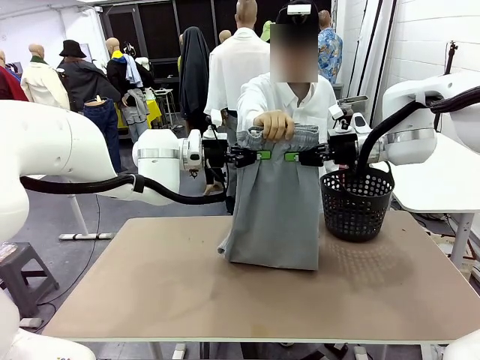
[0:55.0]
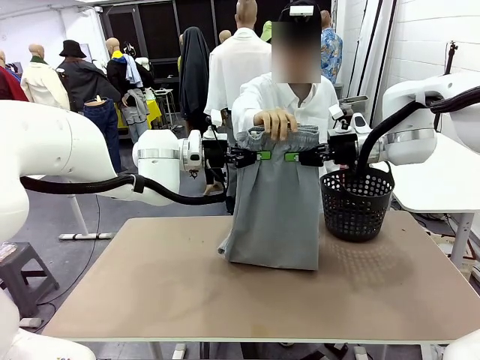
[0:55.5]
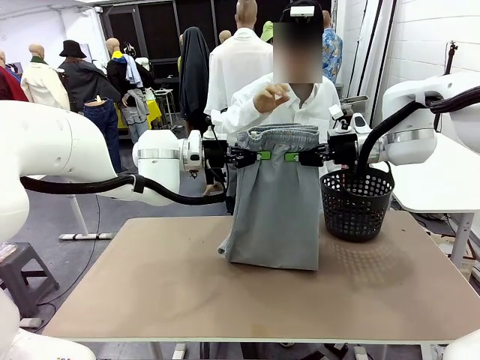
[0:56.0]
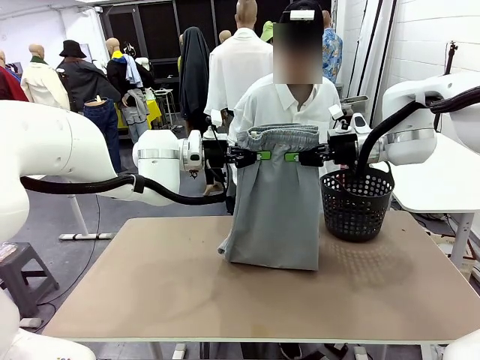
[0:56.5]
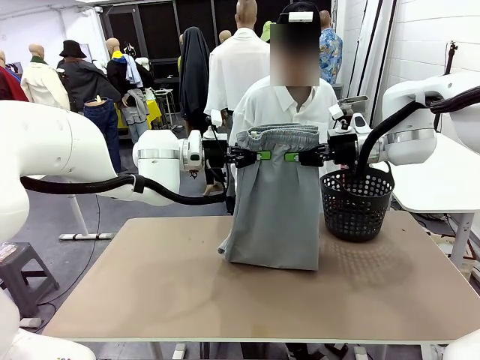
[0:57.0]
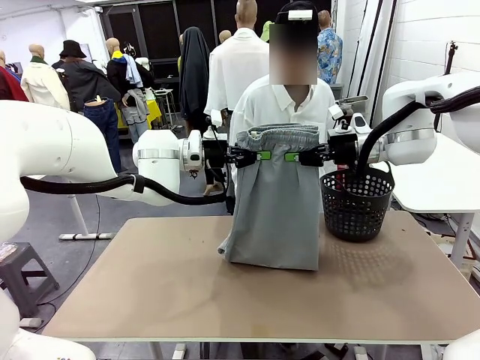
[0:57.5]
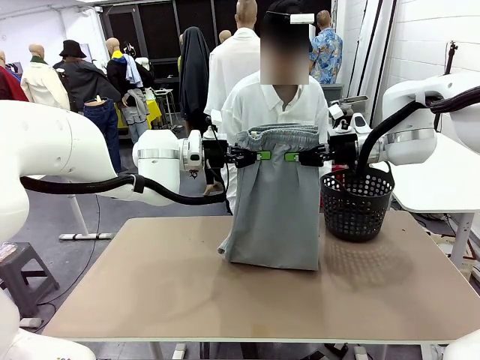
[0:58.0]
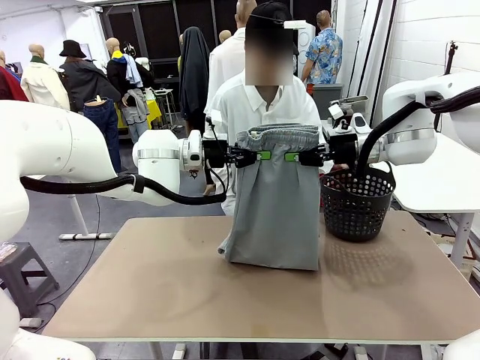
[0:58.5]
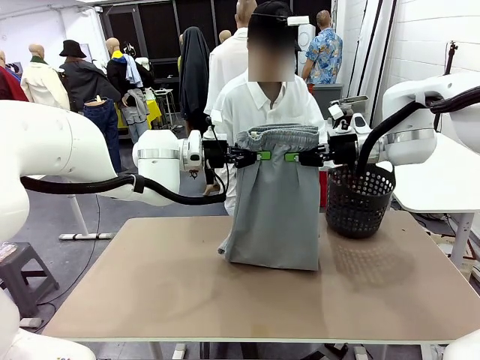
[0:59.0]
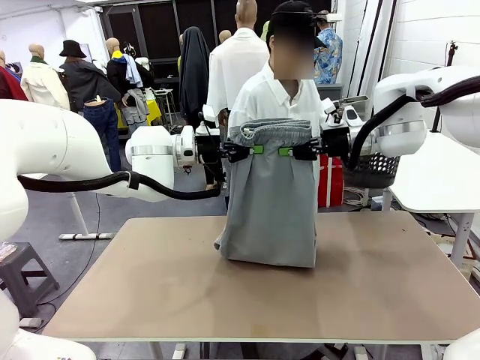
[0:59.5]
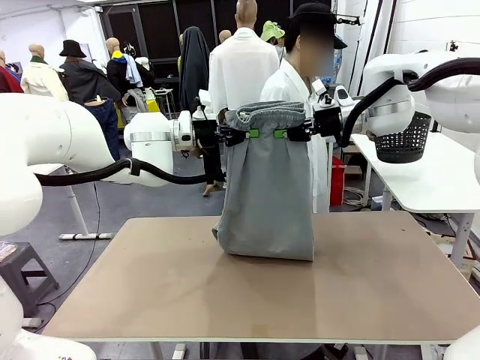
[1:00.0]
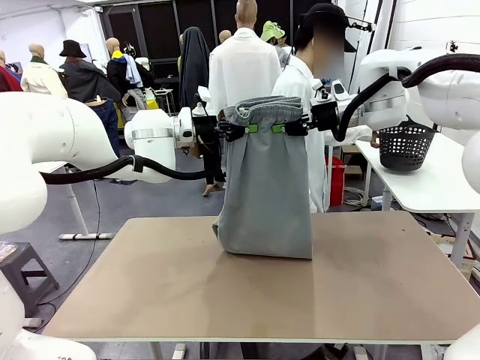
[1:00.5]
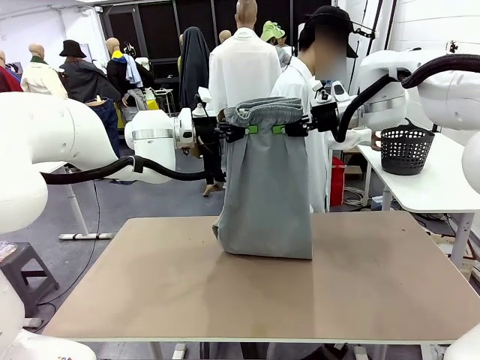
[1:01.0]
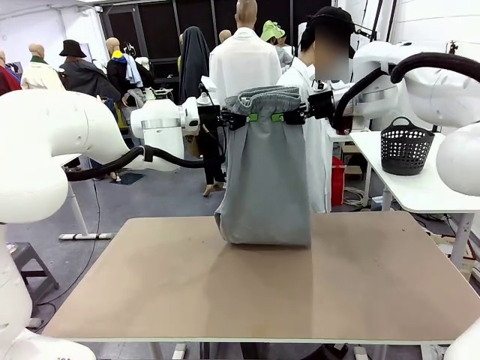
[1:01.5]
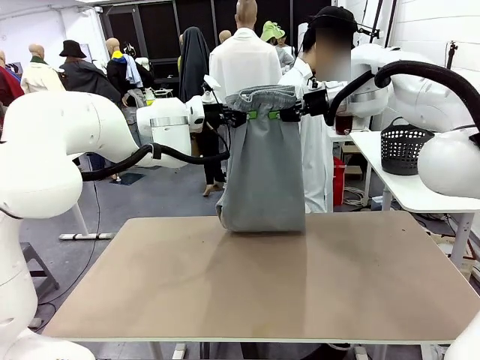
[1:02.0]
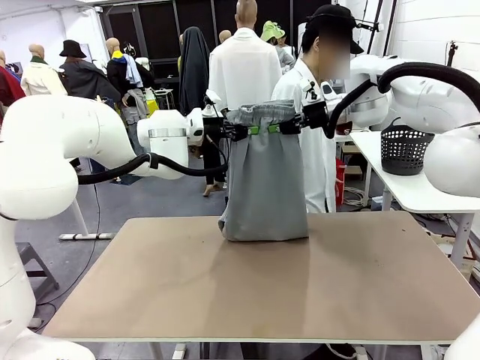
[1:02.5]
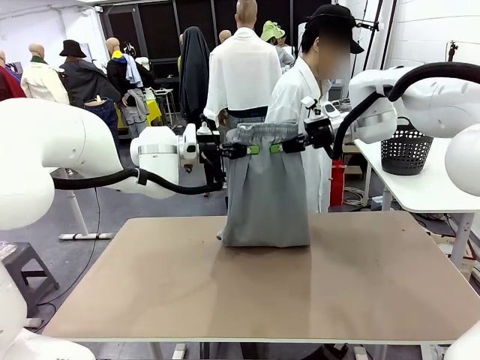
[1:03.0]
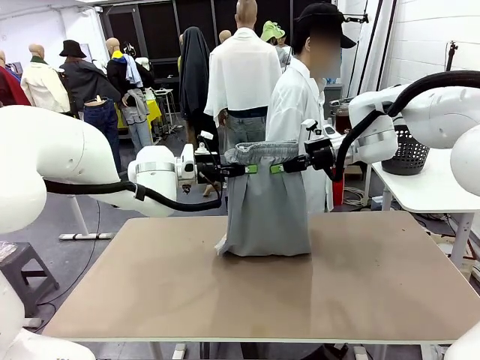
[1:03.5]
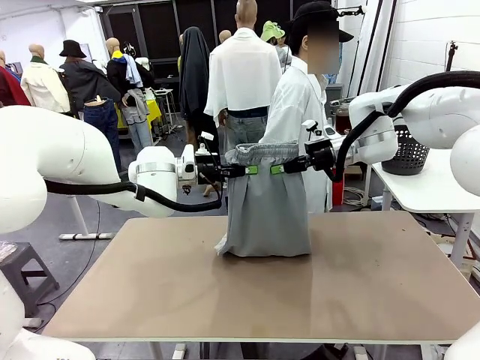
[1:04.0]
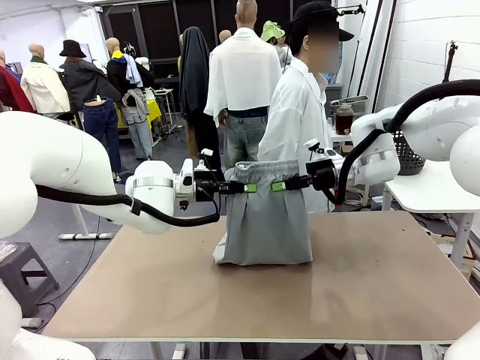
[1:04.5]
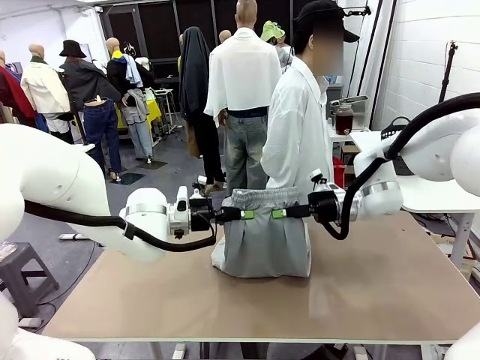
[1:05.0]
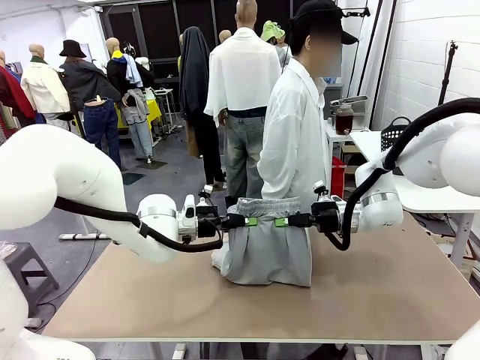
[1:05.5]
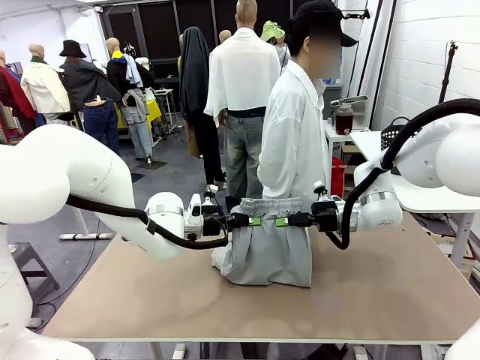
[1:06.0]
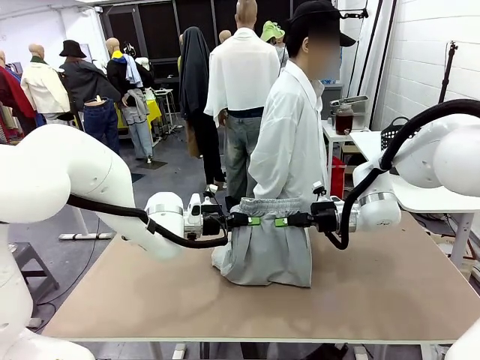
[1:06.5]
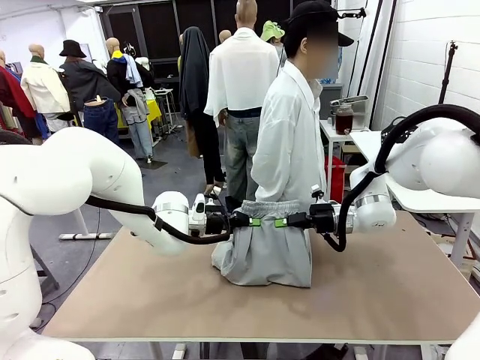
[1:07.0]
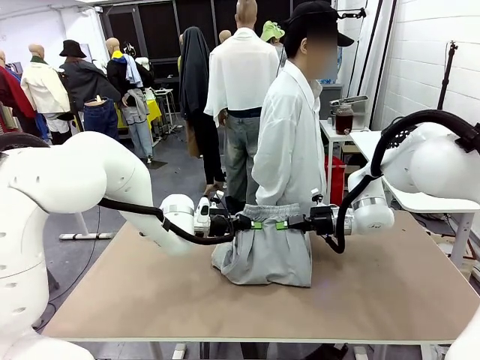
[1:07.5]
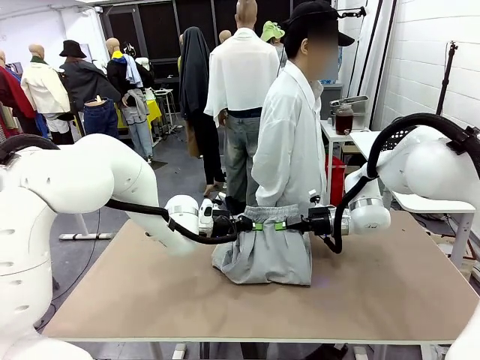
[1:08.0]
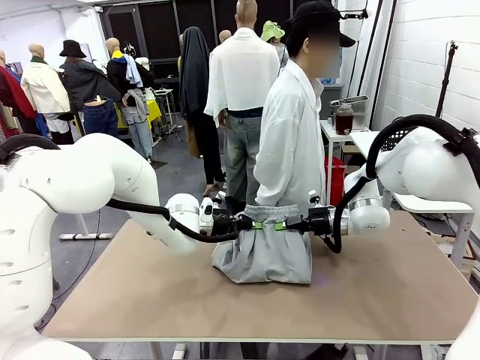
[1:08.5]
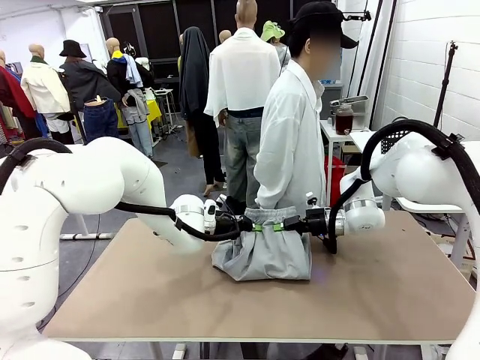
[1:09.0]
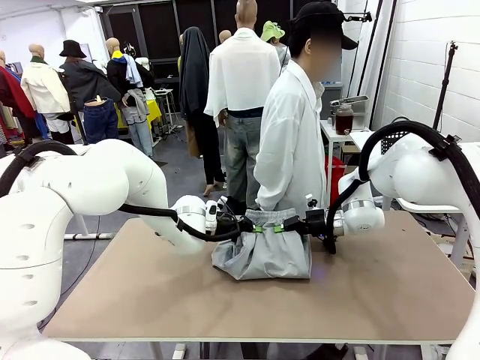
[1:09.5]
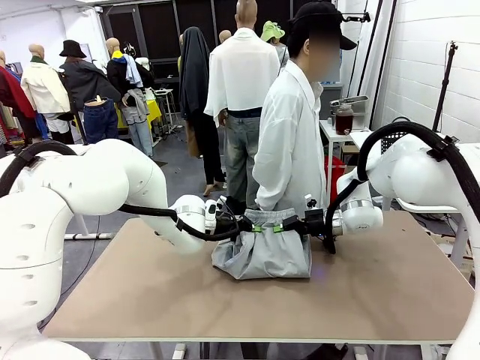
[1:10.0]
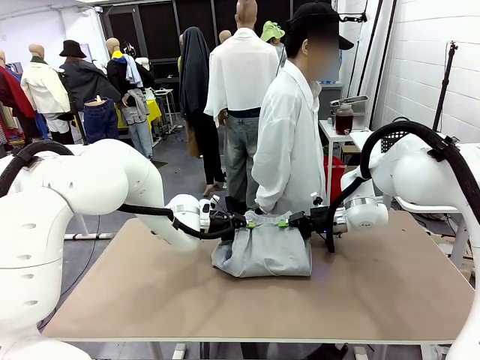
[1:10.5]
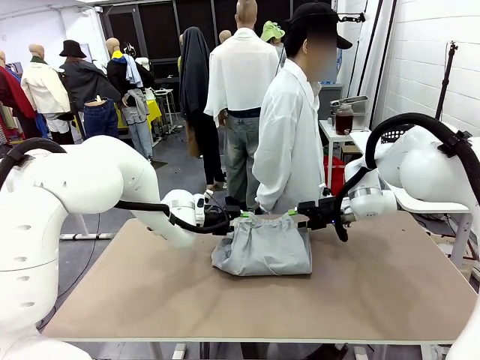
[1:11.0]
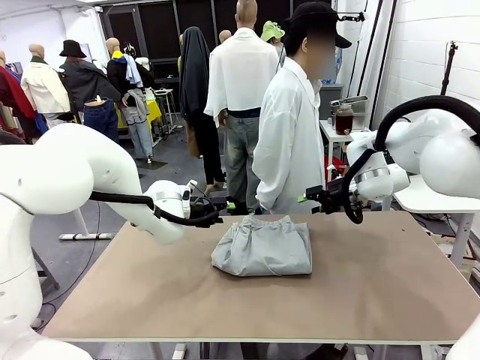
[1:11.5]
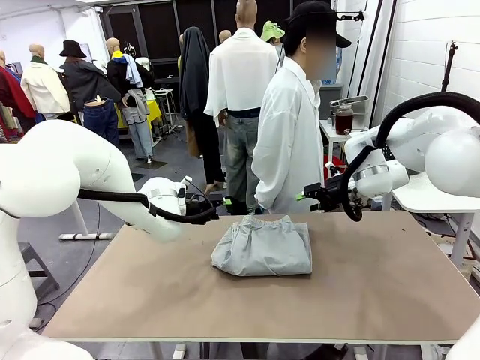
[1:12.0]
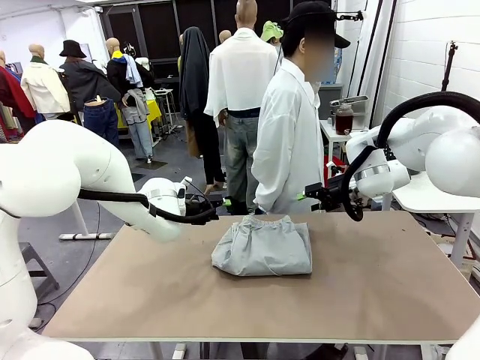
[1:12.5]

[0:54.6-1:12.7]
Task: Fold the training pants.
Robot: Fold the Training pants in half.
Person: Move the laundry basket to the right of the human table.
